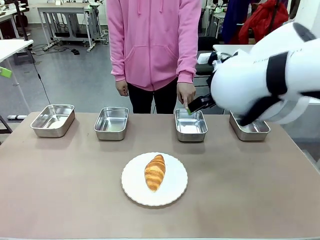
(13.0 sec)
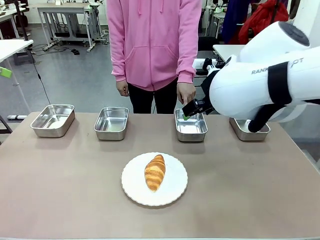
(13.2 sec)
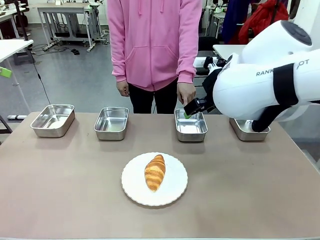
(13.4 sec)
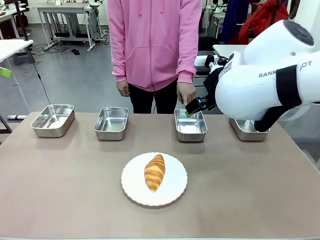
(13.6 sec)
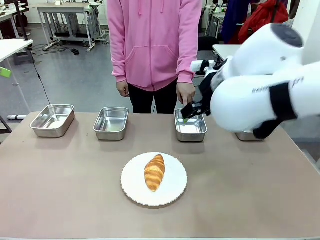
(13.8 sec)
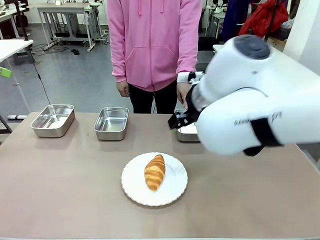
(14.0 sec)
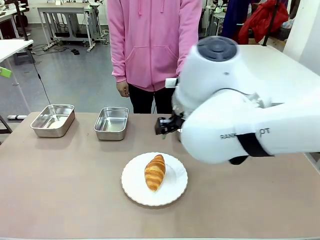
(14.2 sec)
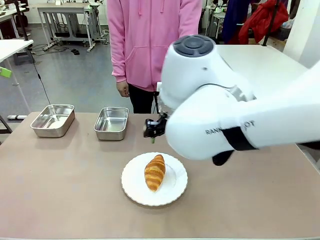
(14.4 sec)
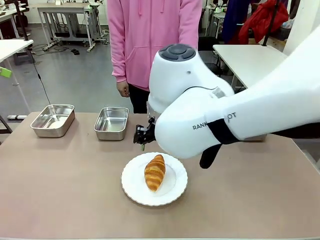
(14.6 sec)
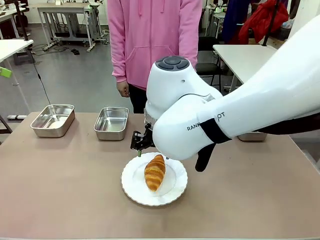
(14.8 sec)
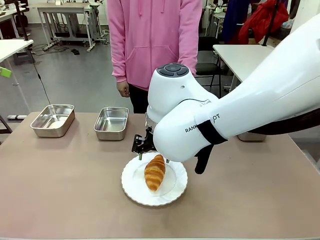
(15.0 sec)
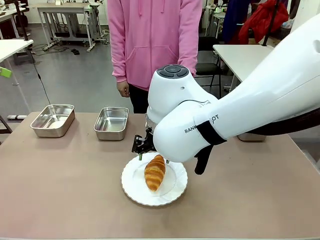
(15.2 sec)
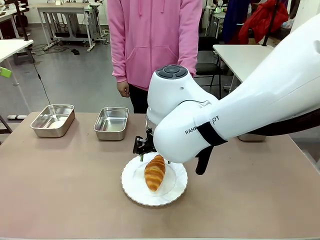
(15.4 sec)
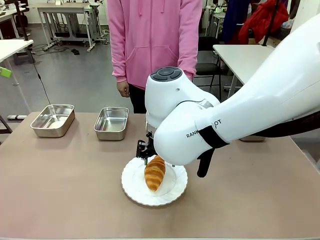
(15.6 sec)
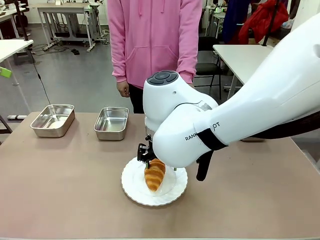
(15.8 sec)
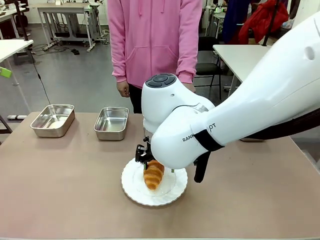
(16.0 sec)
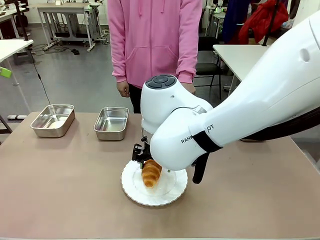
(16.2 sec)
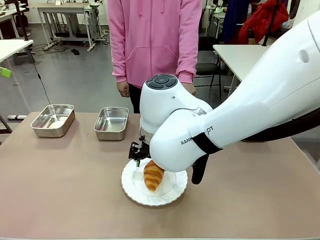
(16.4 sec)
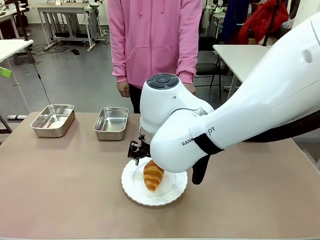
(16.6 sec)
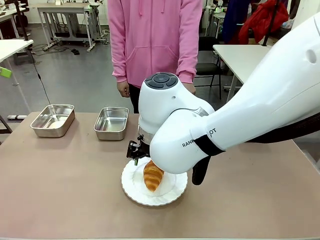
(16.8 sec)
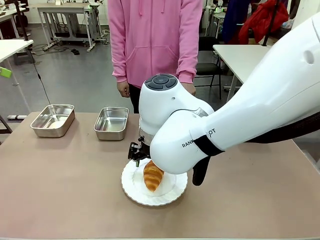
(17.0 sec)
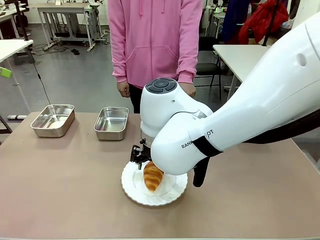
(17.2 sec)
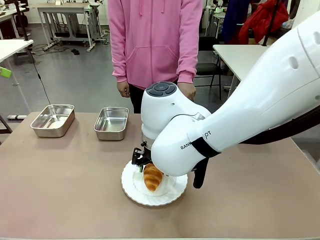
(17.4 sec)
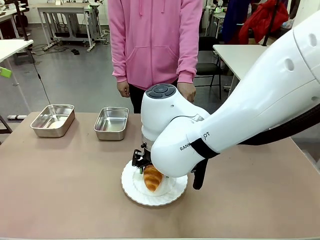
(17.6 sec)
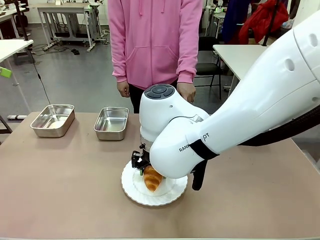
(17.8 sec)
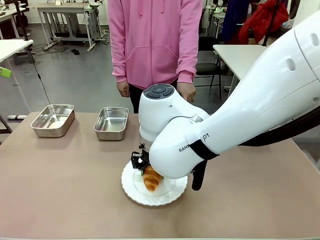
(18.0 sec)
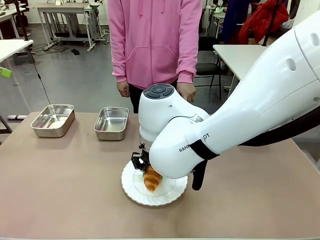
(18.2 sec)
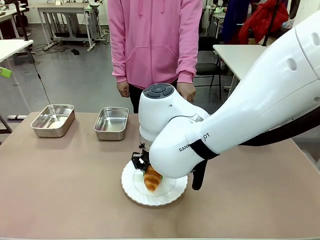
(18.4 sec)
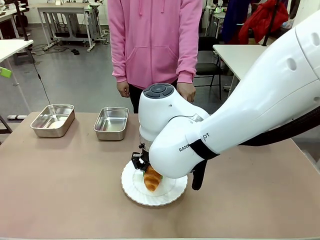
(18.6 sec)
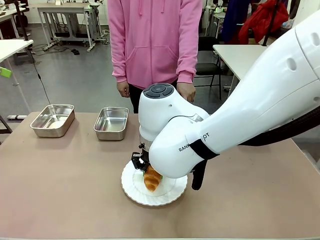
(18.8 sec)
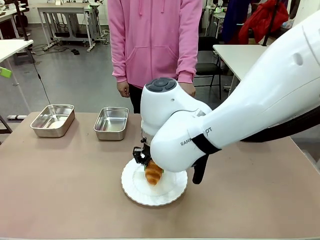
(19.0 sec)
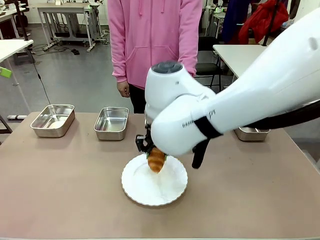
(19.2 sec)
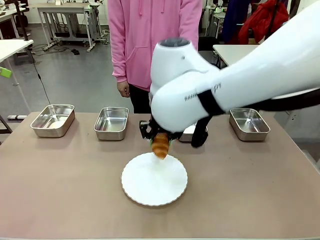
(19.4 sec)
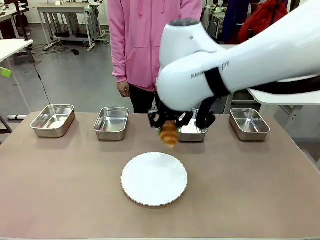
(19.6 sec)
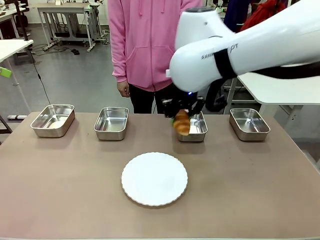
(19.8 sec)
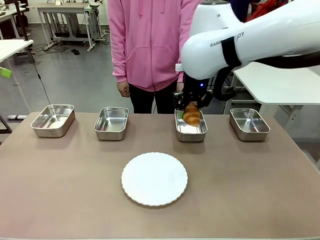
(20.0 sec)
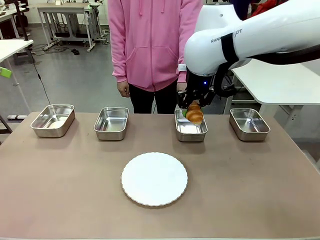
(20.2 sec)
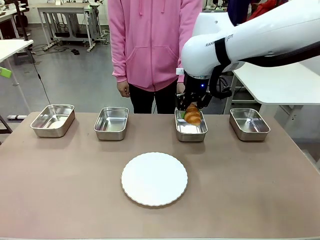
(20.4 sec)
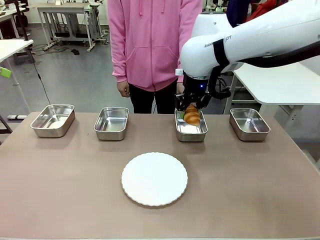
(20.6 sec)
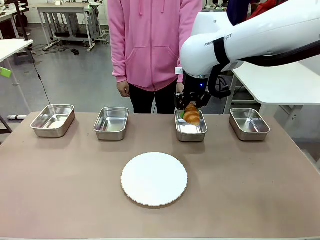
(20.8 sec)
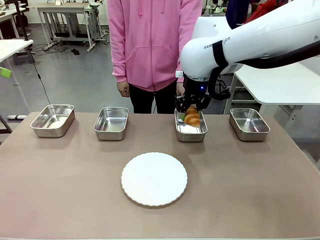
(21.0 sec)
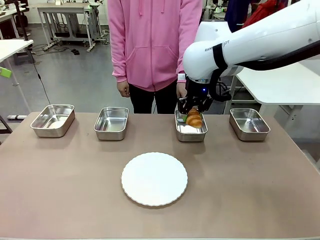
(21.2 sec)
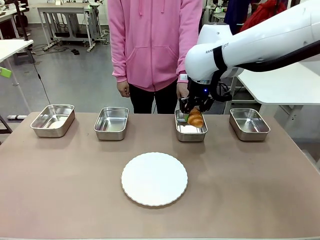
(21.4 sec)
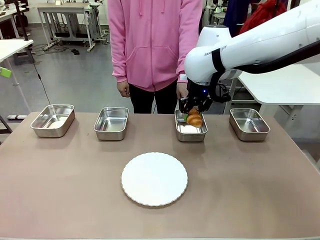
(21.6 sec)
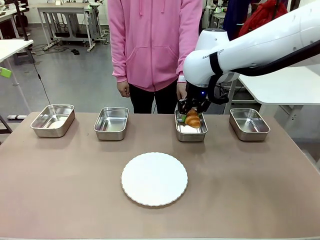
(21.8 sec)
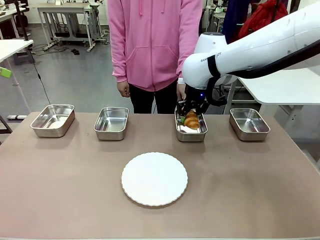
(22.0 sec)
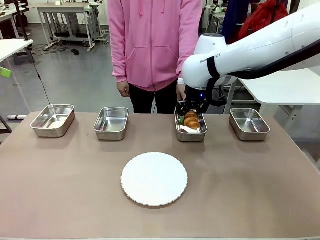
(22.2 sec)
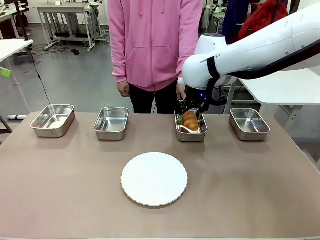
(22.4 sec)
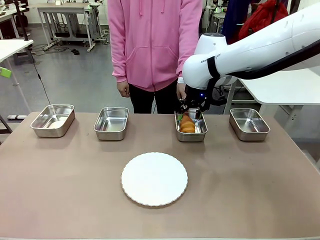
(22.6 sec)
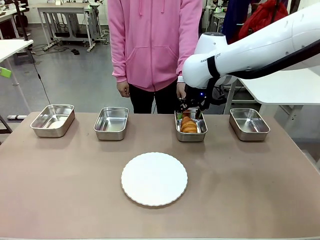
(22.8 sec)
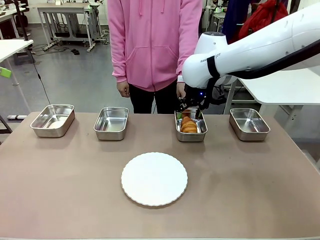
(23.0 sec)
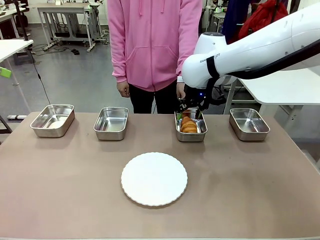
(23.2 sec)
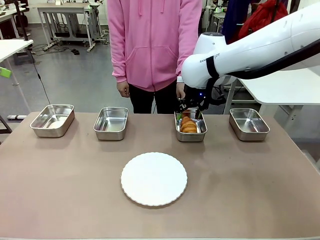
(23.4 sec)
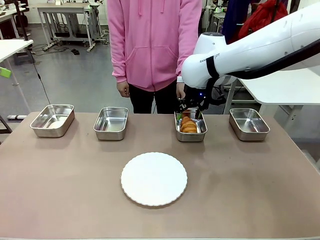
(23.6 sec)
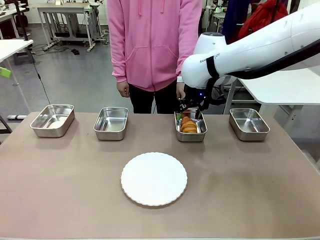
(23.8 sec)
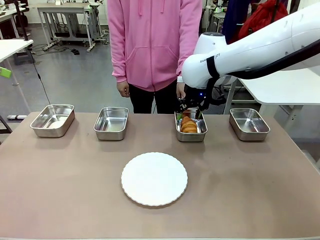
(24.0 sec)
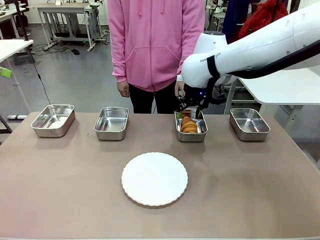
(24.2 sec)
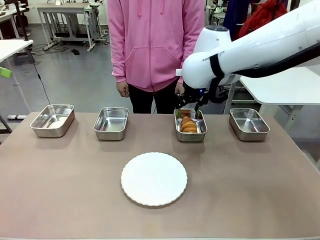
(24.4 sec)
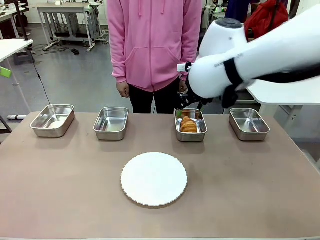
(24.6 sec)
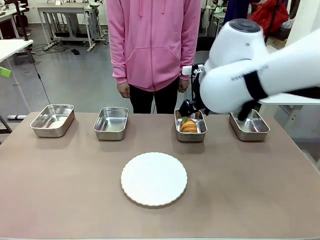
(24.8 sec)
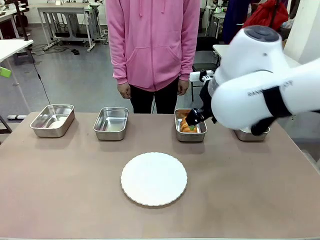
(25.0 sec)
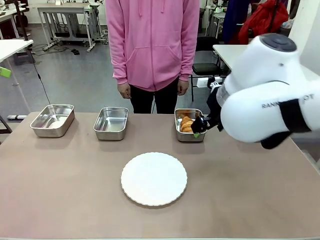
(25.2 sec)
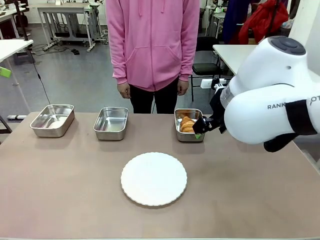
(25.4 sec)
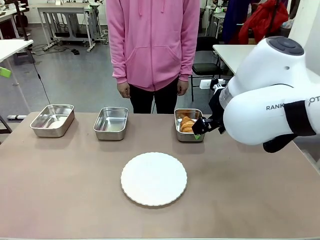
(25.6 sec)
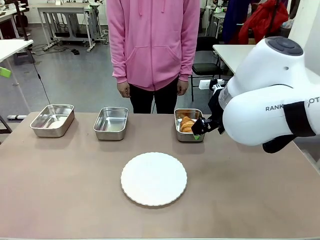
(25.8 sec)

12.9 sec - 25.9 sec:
Task: Place the bread in the container.
Robot: Place the Butter Roll into the Airtight Container indicated by the human.
Person: A person randomly selects and points to an Airtight Container.
